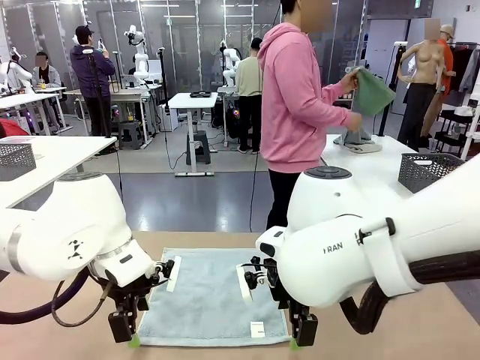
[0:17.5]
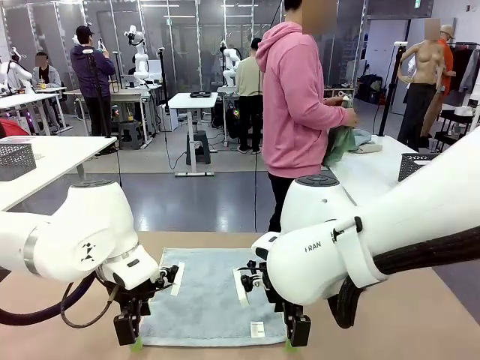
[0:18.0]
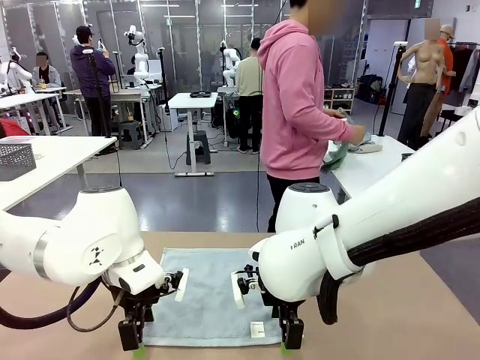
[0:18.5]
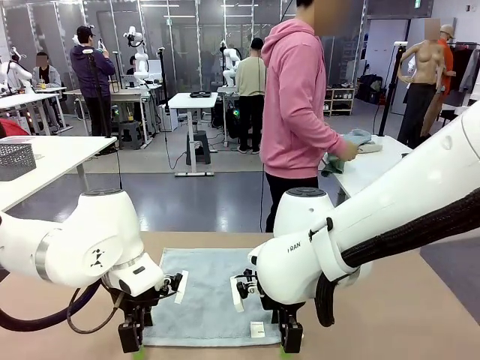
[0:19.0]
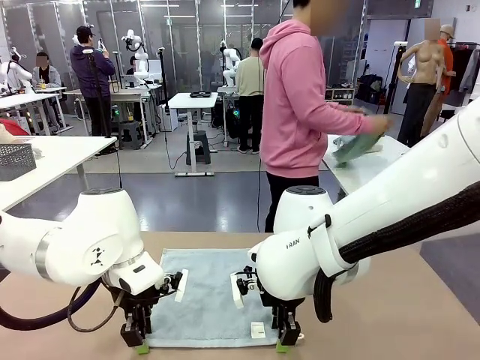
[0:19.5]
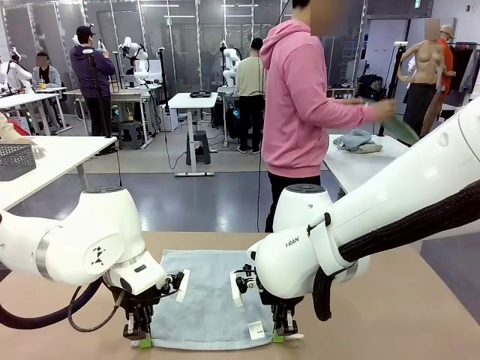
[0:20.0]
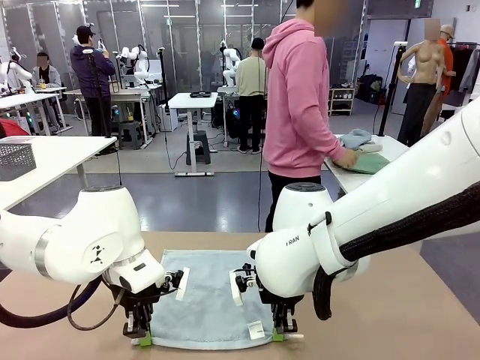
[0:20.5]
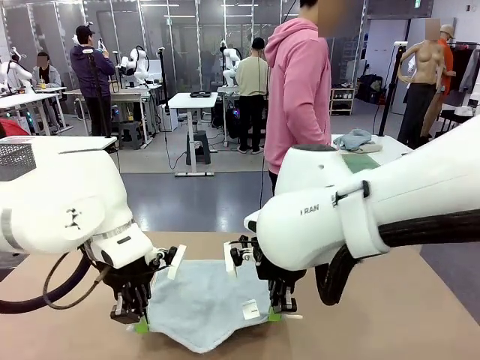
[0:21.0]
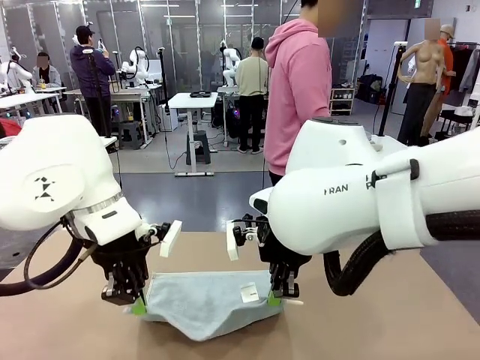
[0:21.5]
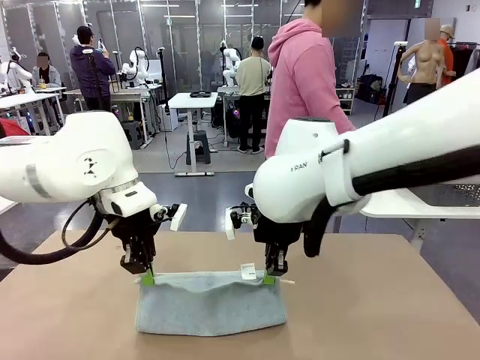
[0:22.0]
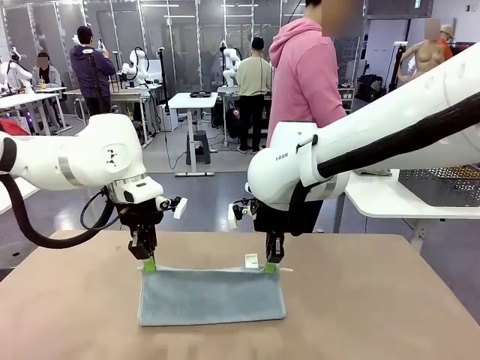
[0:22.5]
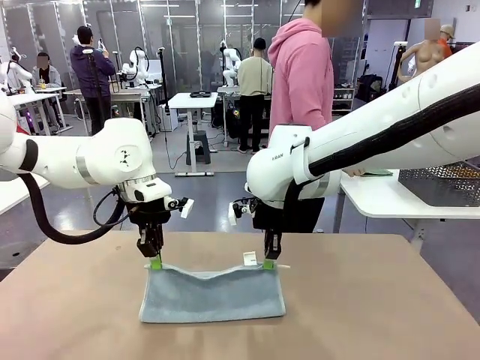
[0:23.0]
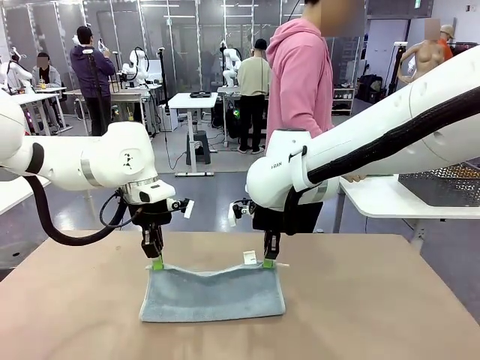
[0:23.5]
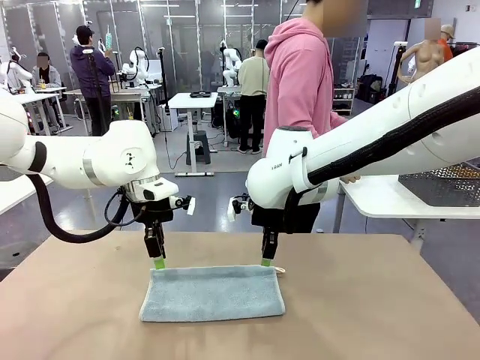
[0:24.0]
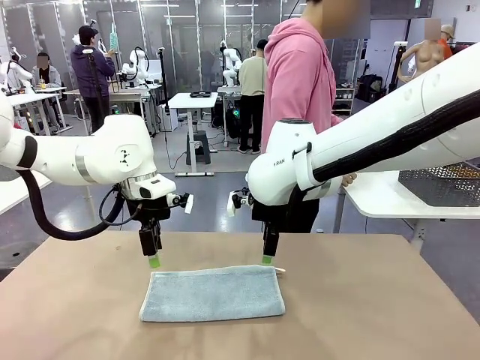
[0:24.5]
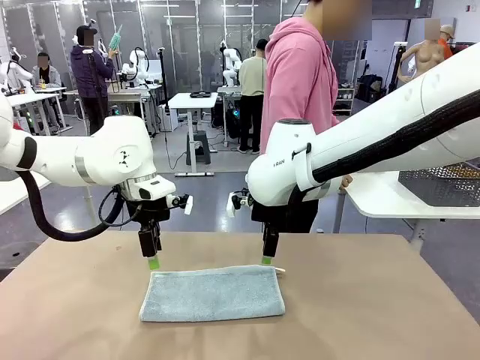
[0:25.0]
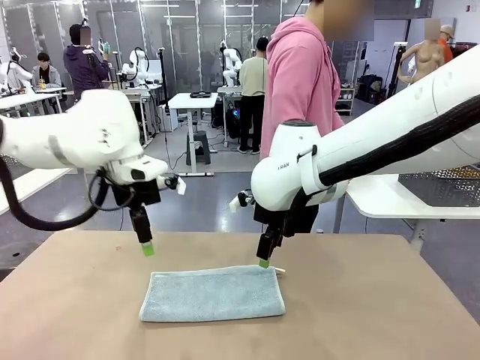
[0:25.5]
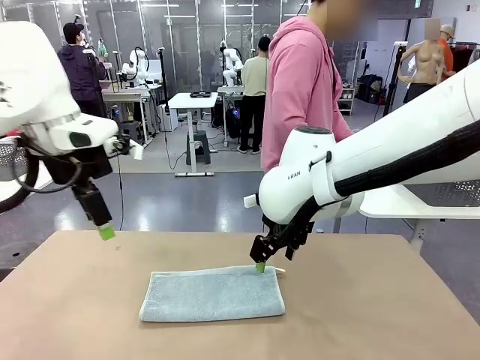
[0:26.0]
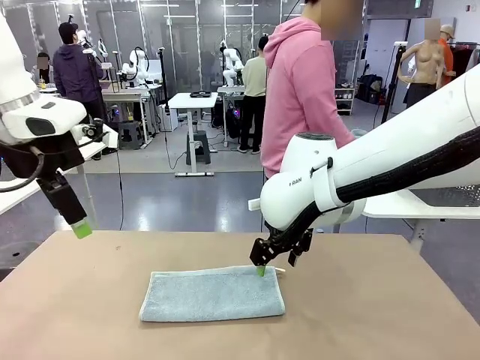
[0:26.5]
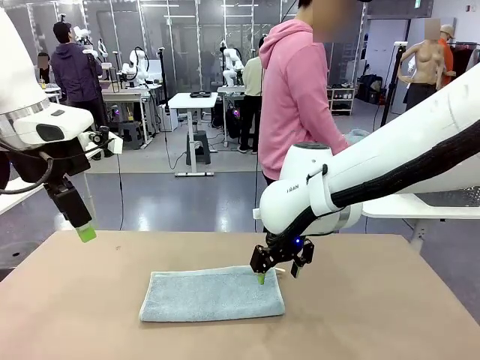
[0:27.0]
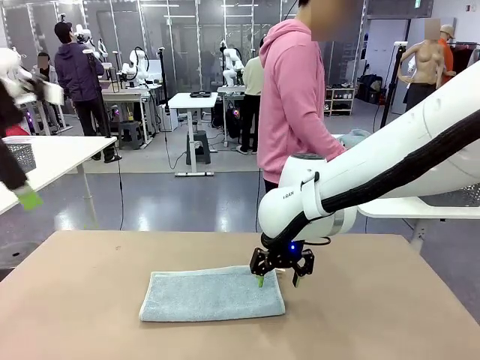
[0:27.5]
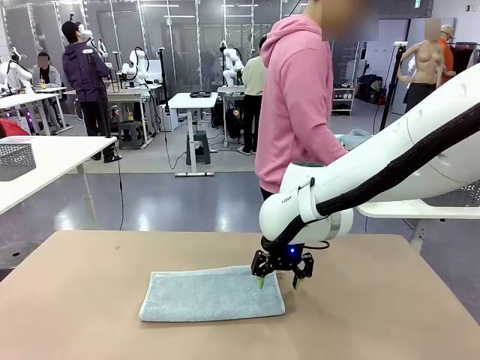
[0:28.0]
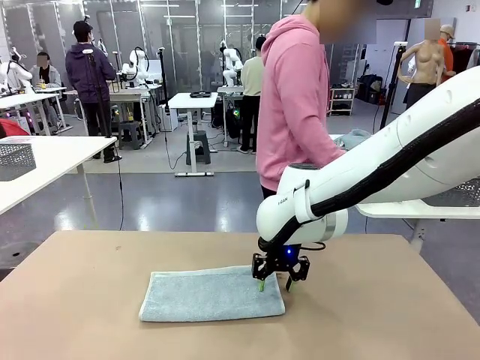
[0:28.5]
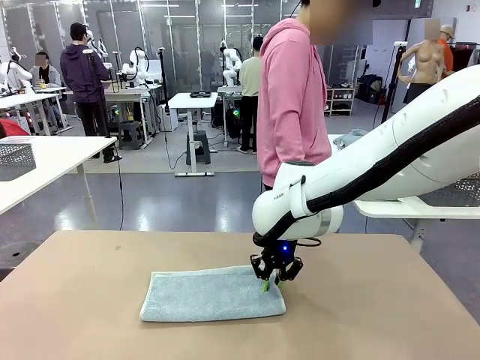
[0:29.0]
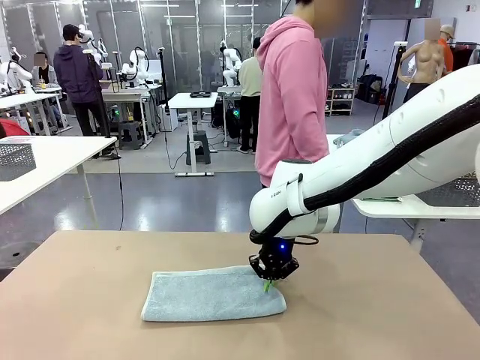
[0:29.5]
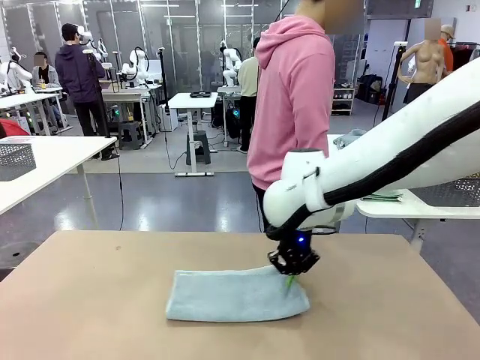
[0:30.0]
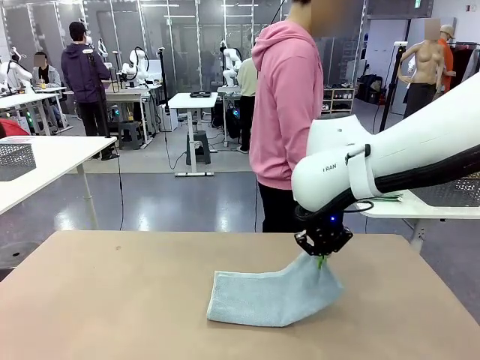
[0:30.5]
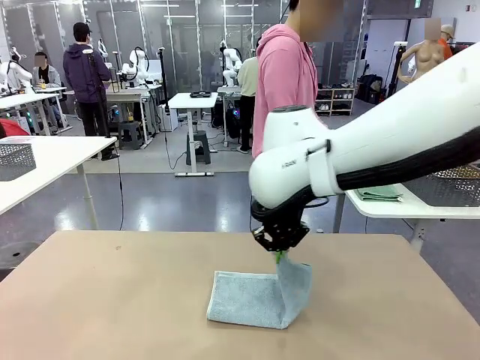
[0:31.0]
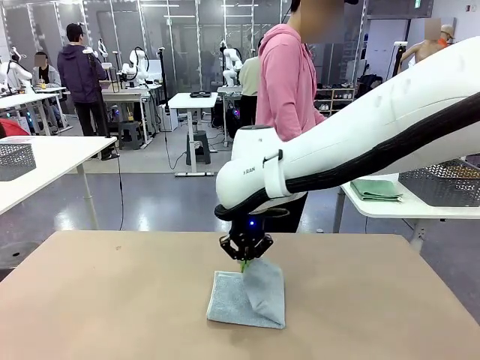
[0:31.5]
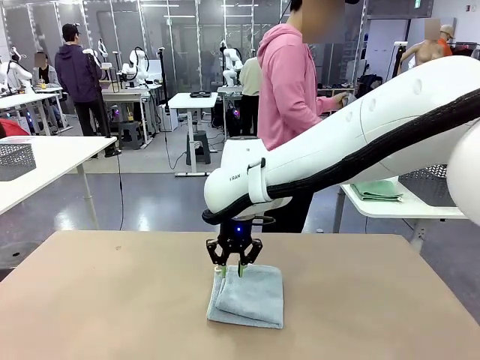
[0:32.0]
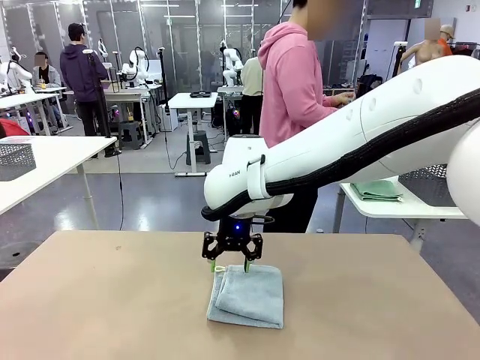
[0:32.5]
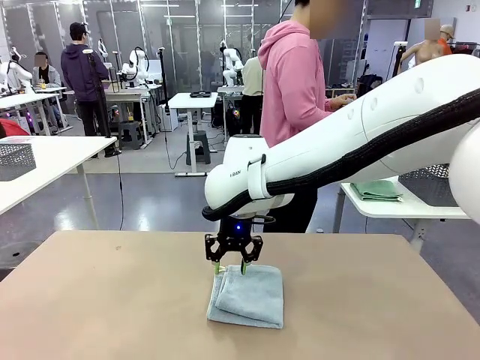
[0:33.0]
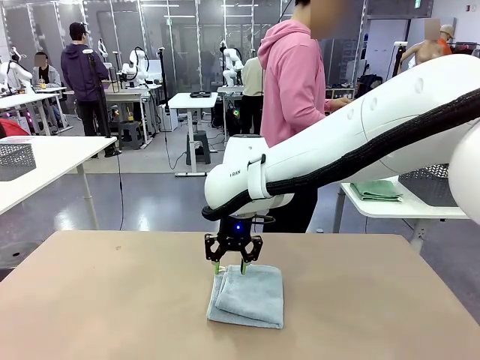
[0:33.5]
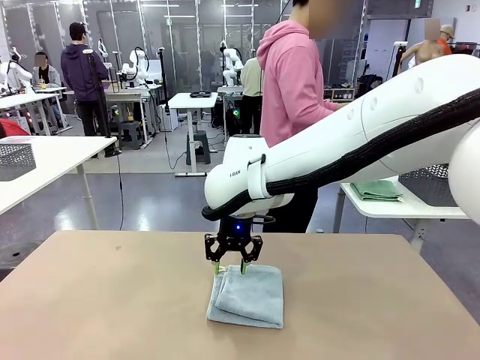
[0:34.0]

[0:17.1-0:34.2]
Task: Fold the towels and place them in the basket.
Robot: When a person lays out a Towel with hook on the table, fold it in half twice.
Person: Pick up one towel from the left side of the human table, fold it in half twice, and place it on the right side of the table.

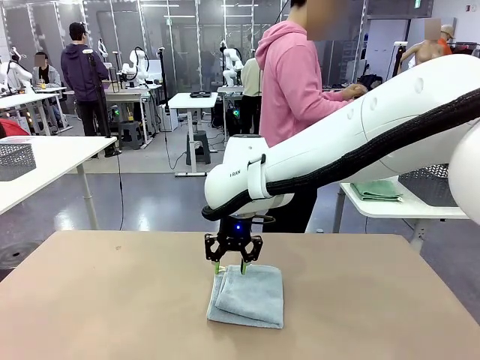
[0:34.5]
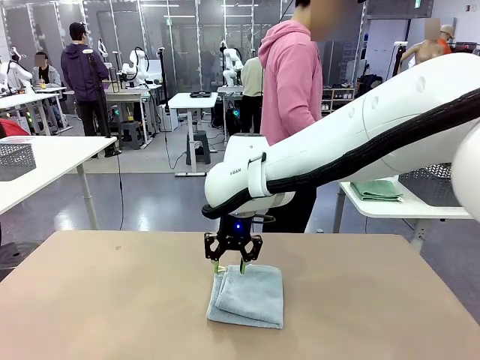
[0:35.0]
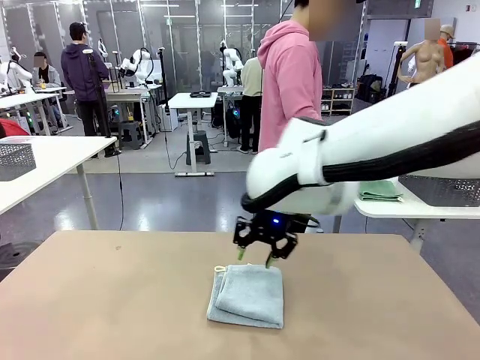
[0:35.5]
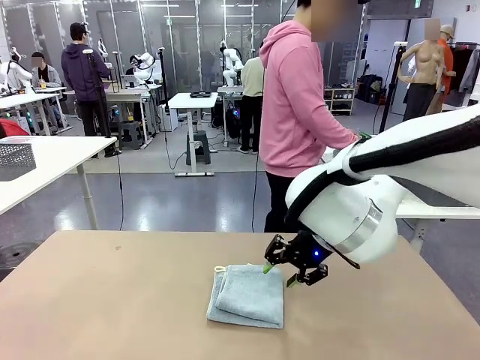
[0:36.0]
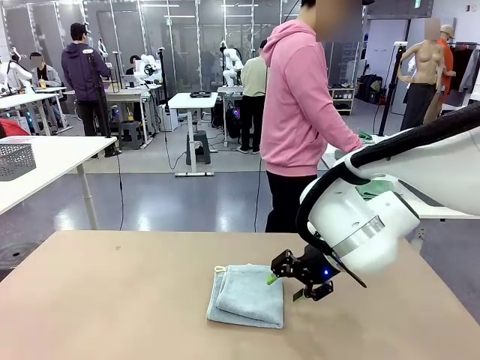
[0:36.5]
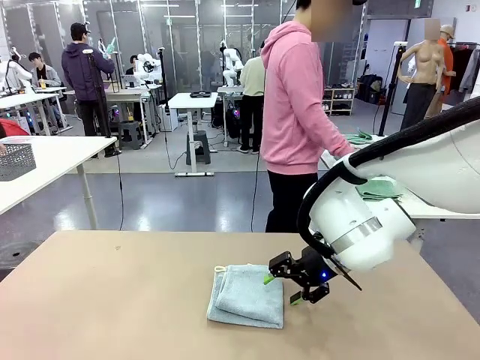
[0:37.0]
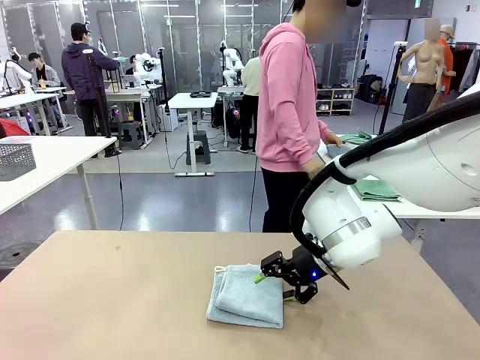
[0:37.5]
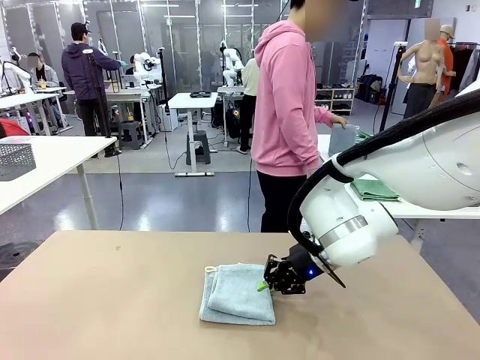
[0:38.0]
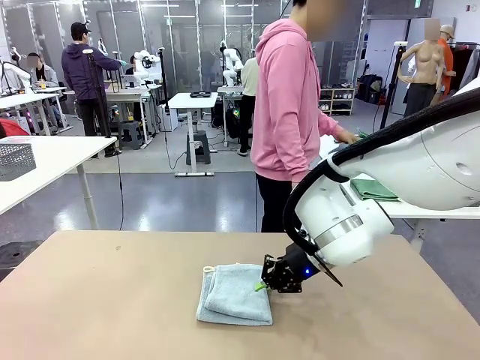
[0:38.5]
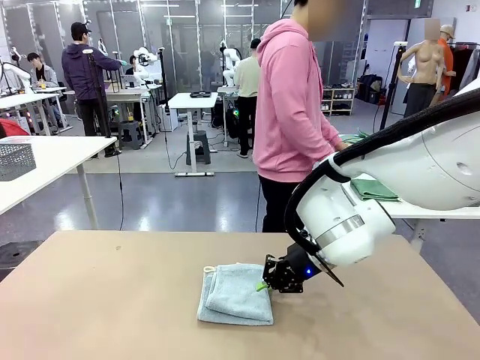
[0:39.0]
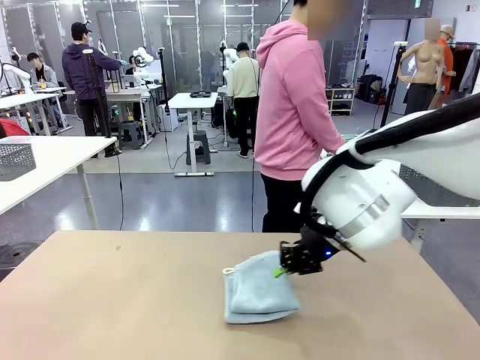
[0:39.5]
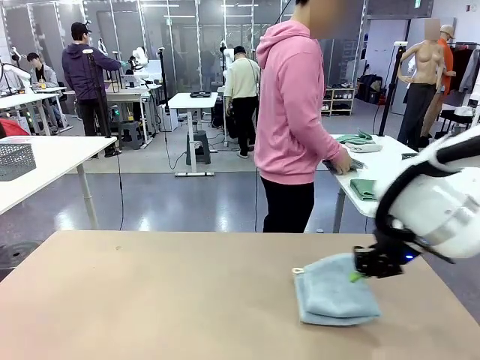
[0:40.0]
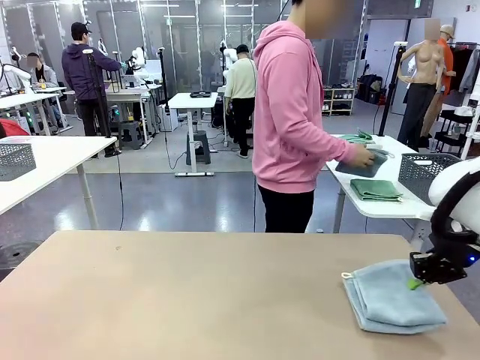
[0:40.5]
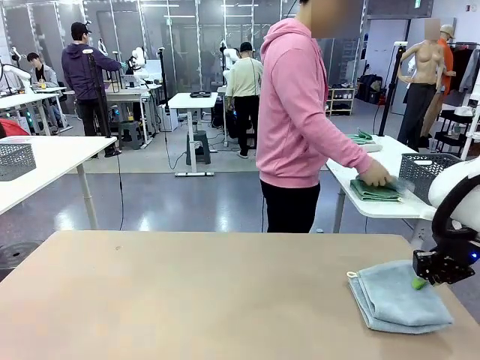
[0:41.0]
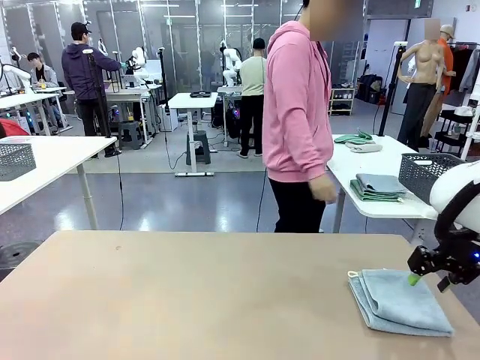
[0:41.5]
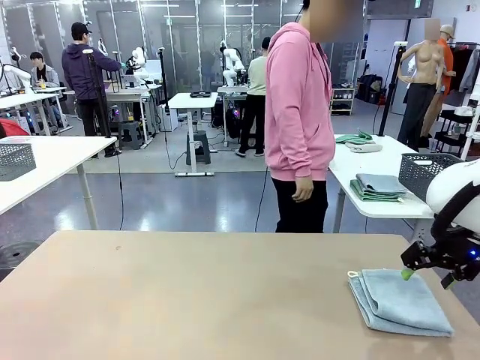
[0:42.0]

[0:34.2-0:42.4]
Robot: Place the folded Towel with hook on the right side of the table.
Person: Pick up one towel from the left side of the human table, fold it in half twice, and stack it on the right side of the table.
